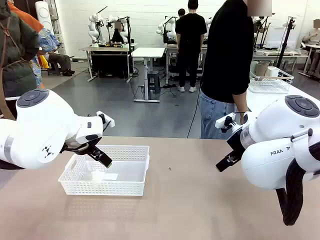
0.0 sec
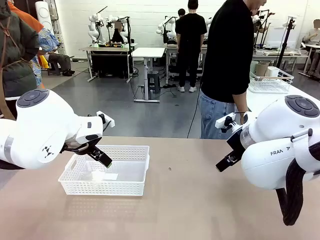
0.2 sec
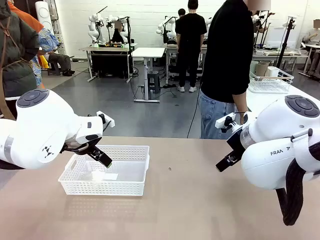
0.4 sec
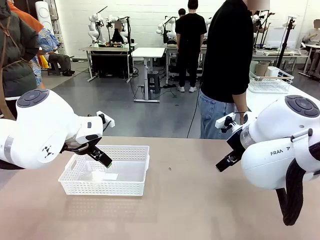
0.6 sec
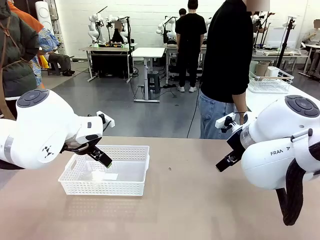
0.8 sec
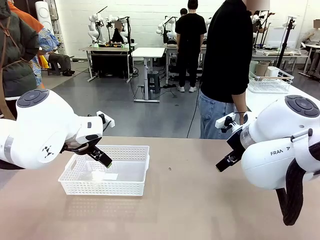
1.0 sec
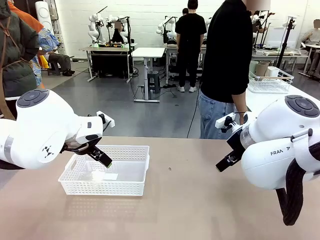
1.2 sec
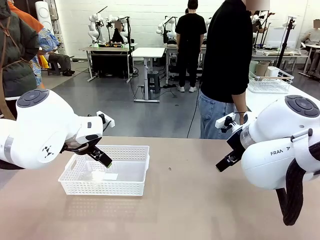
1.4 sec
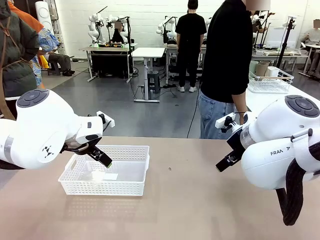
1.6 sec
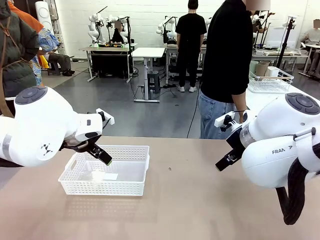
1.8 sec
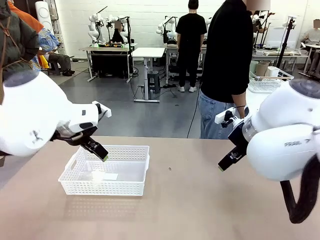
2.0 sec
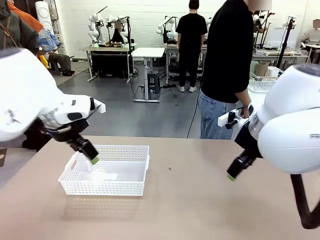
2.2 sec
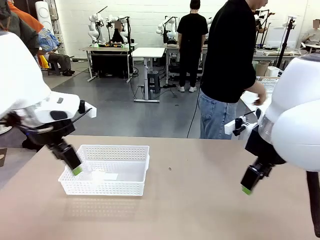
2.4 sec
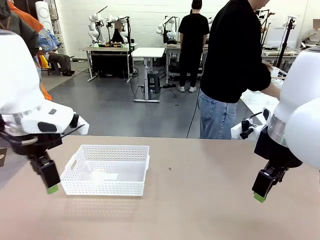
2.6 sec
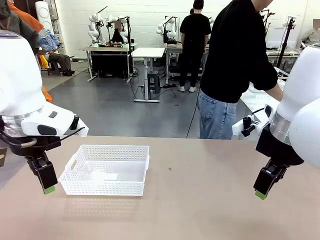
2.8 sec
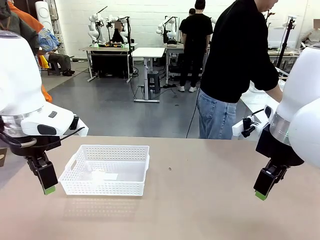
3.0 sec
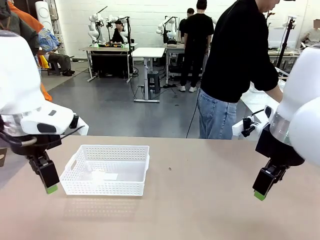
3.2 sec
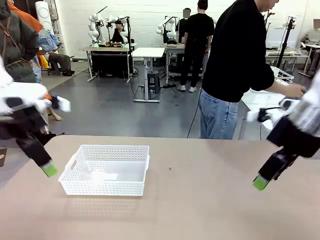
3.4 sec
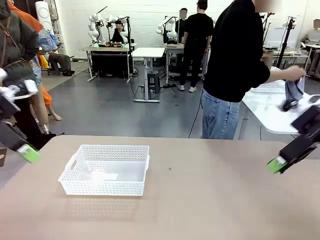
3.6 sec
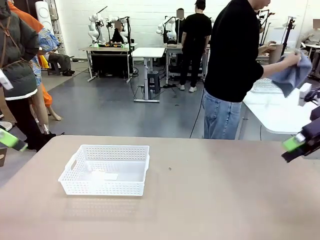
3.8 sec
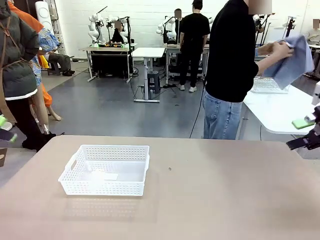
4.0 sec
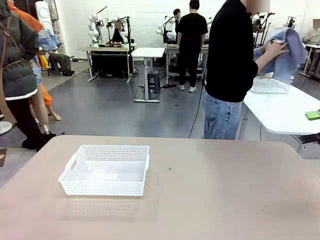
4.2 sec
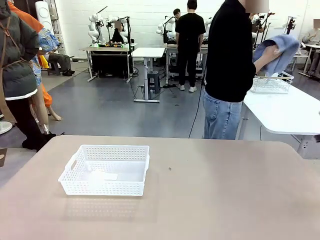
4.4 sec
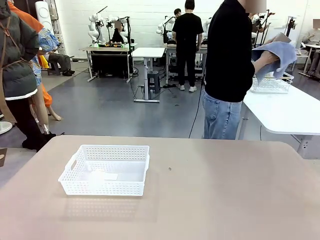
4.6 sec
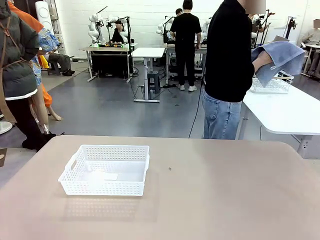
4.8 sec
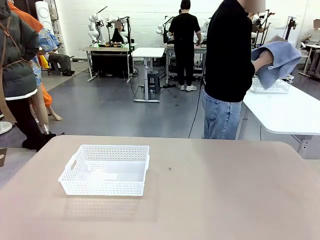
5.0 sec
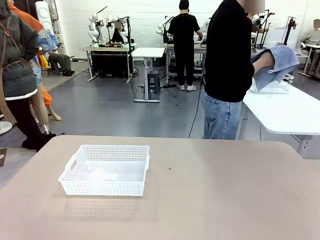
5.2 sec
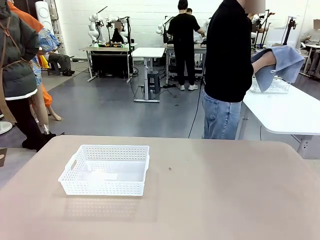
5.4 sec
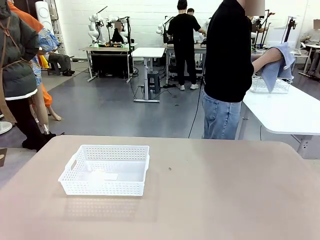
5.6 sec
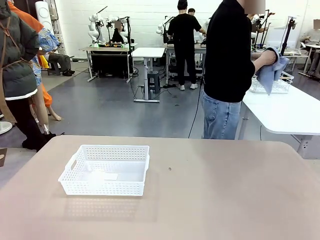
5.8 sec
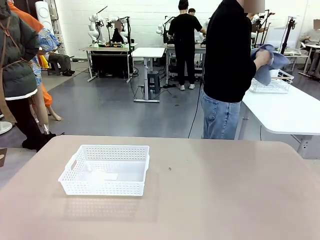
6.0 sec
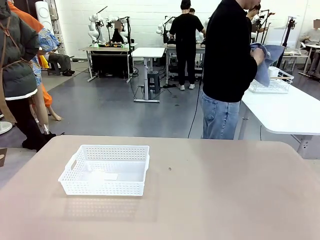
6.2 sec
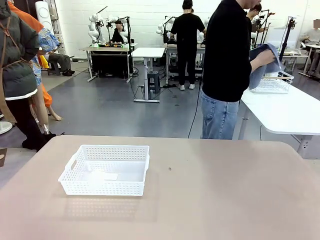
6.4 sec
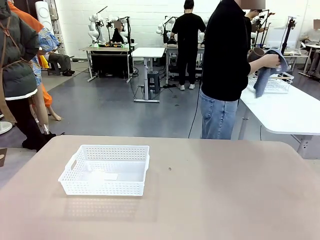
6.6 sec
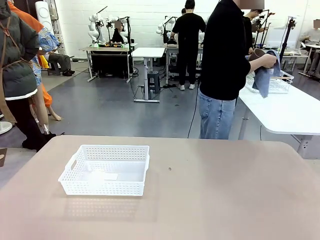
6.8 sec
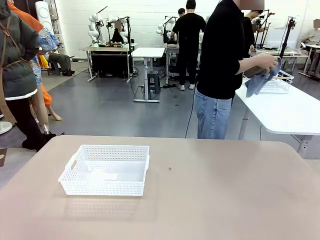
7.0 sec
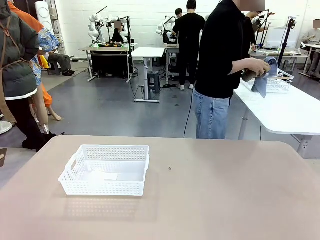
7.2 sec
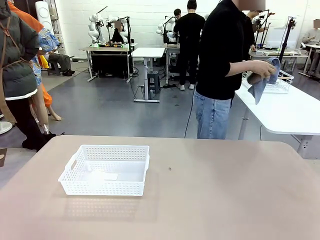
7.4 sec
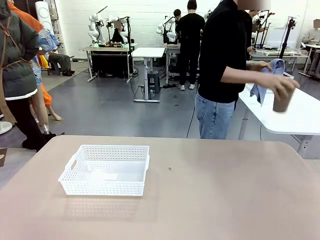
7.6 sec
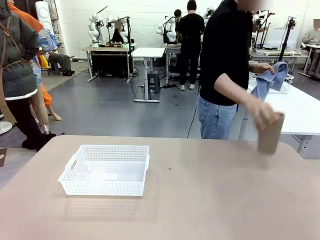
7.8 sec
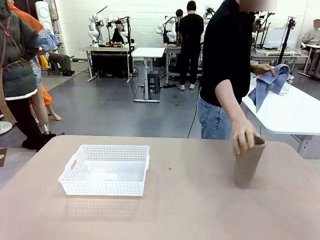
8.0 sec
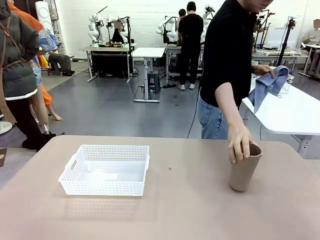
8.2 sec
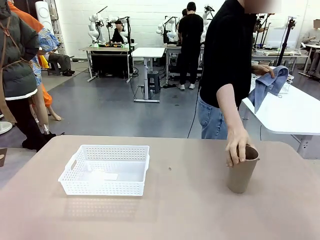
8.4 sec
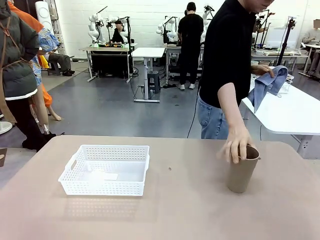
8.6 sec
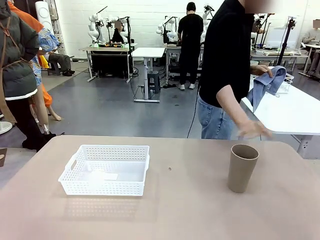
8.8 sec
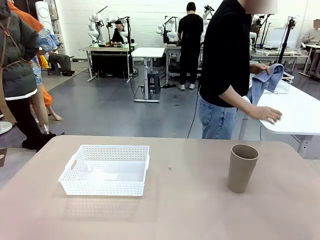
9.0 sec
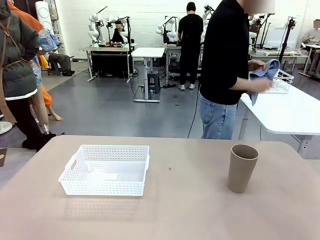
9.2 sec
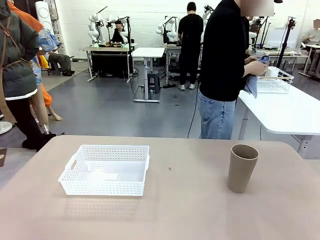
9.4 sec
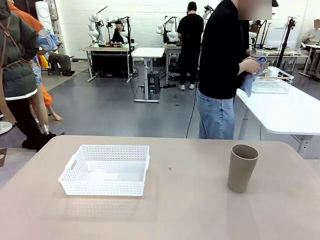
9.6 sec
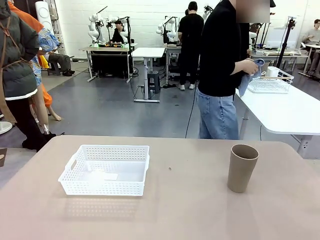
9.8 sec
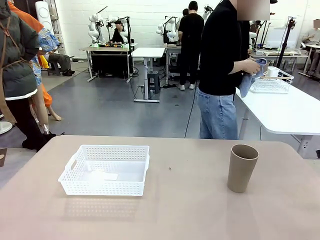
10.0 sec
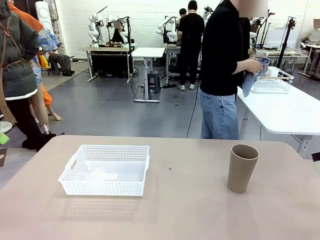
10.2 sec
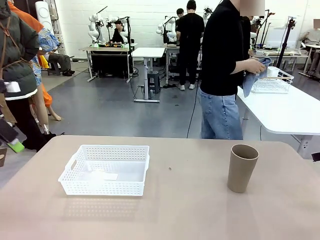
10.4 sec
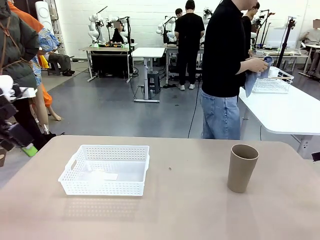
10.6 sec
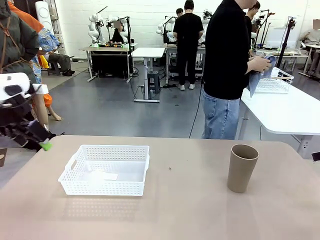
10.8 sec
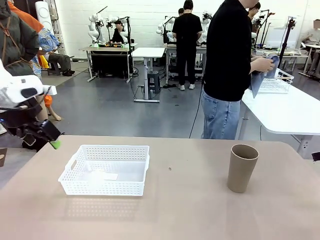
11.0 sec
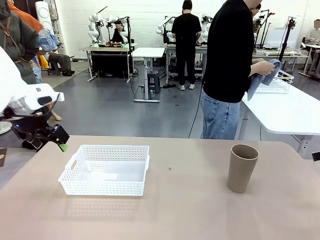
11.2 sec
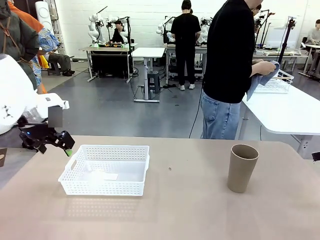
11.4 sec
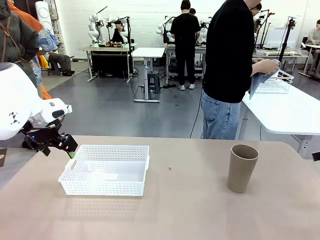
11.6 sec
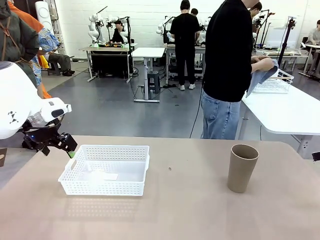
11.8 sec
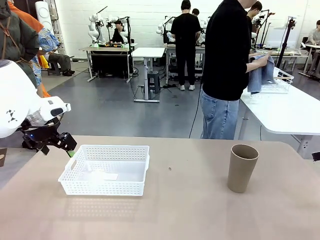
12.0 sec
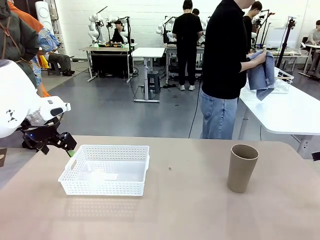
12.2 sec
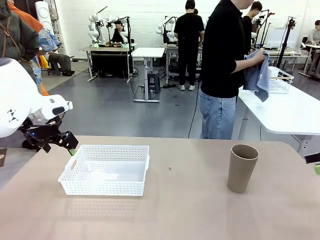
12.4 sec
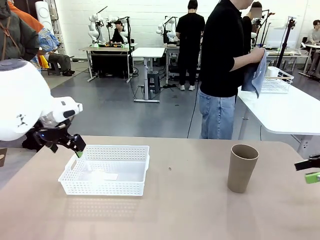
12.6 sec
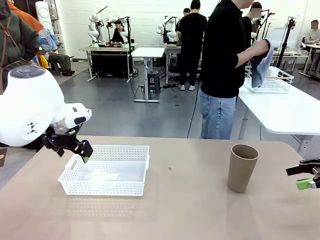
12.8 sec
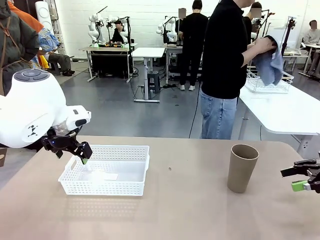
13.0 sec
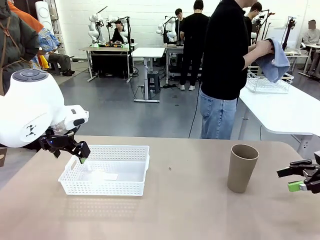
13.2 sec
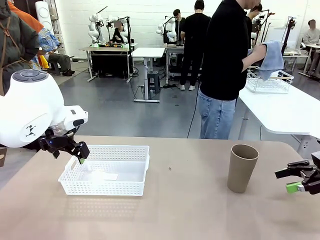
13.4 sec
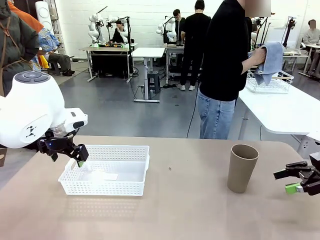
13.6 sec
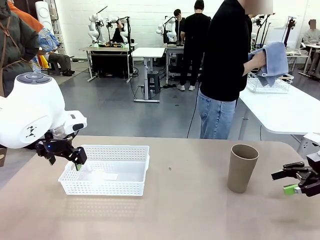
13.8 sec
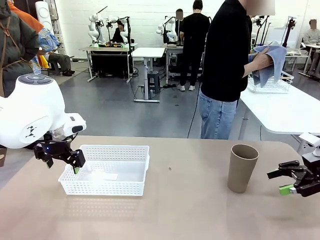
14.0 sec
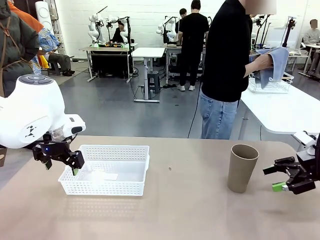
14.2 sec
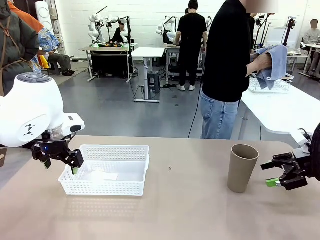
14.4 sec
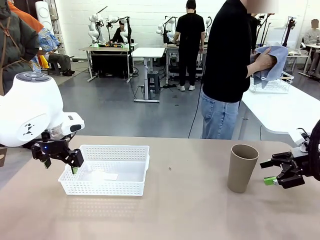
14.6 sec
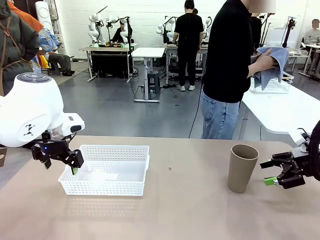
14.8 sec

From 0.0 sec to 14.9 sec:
Task: Clean and organize the cups into the basket.
Robot: Pick up the Organizing basket and move it to the center of the table, then pick up the Reusable plastic cup from the right side of the table and place it inside the Organizing basket.
Person: Picks up a cup and a towel, cleans the cup with the towel, and places it on the left side of the robot table.
